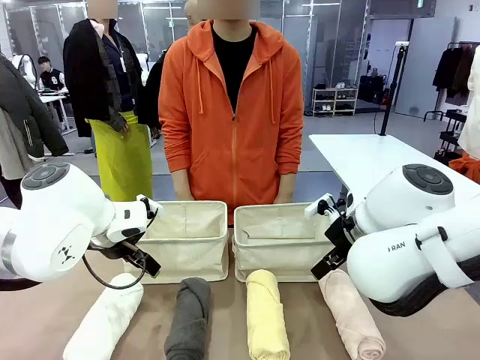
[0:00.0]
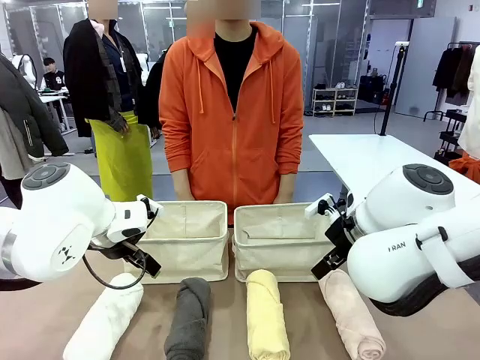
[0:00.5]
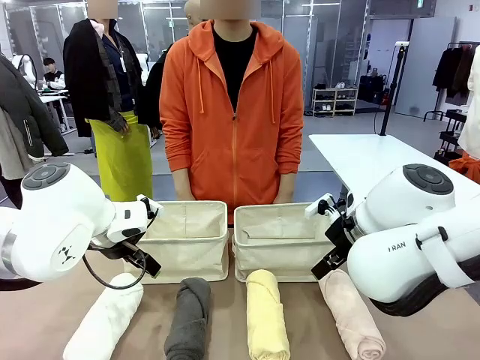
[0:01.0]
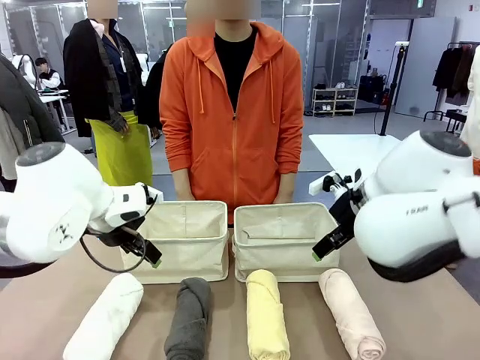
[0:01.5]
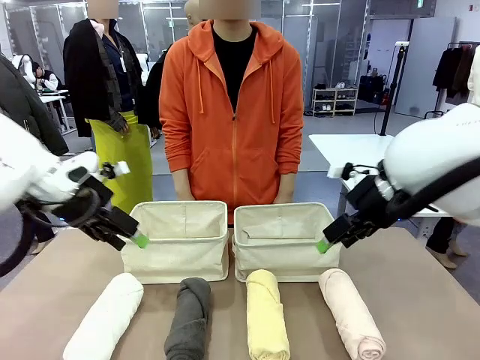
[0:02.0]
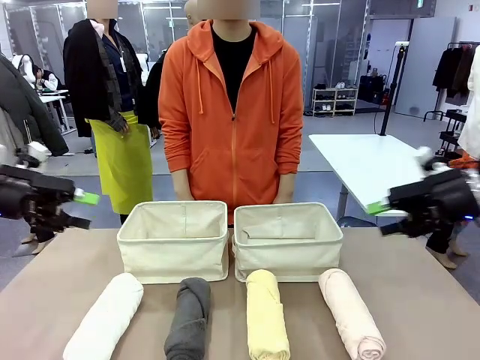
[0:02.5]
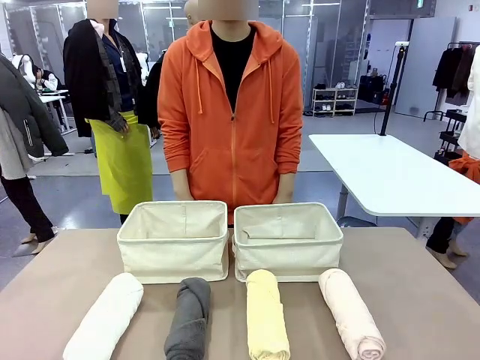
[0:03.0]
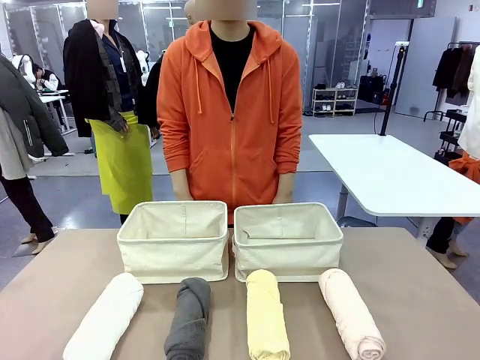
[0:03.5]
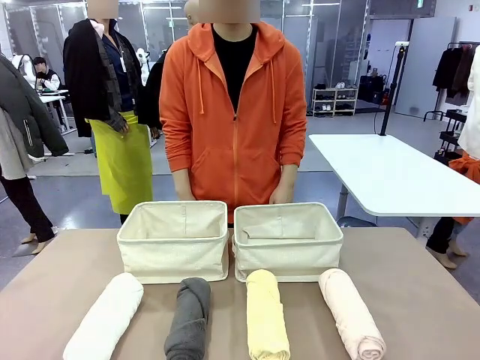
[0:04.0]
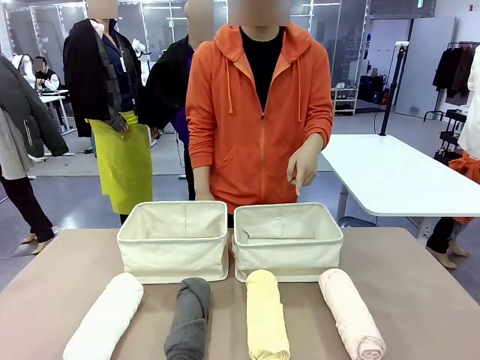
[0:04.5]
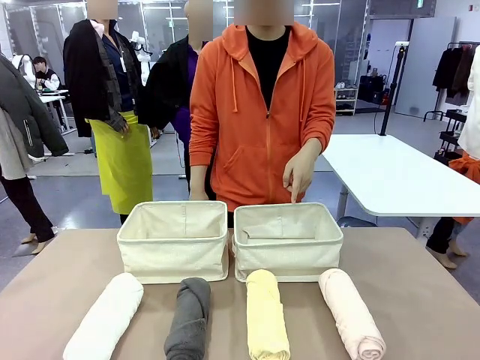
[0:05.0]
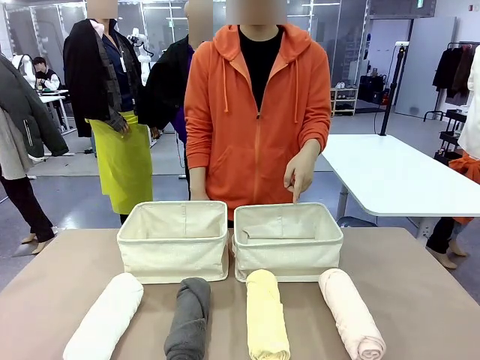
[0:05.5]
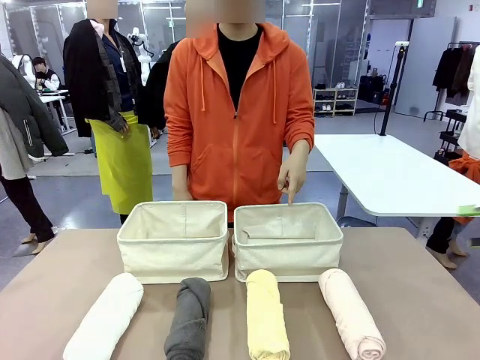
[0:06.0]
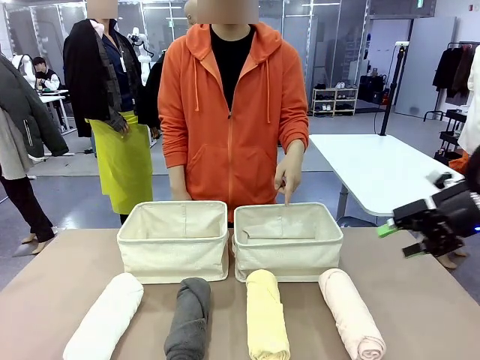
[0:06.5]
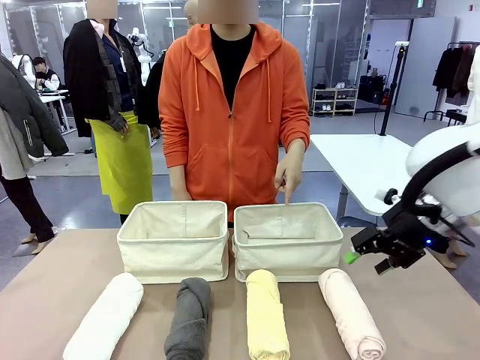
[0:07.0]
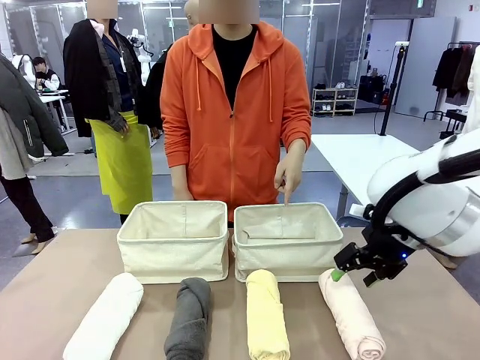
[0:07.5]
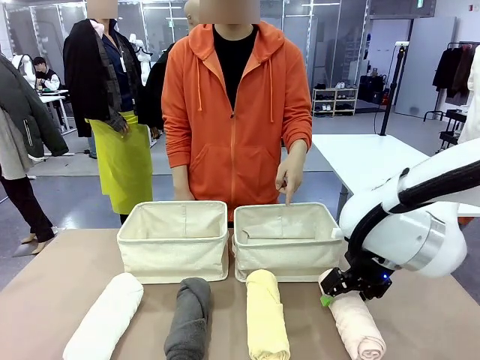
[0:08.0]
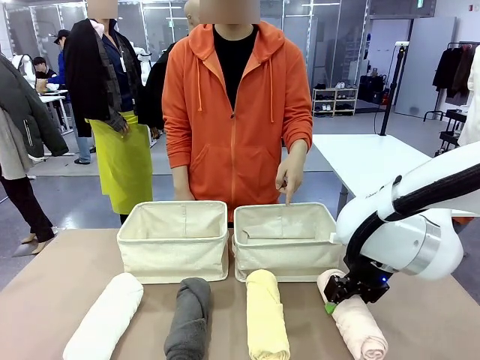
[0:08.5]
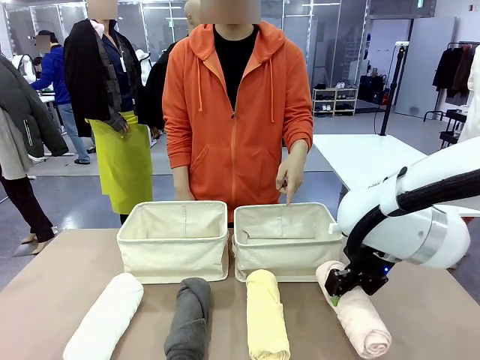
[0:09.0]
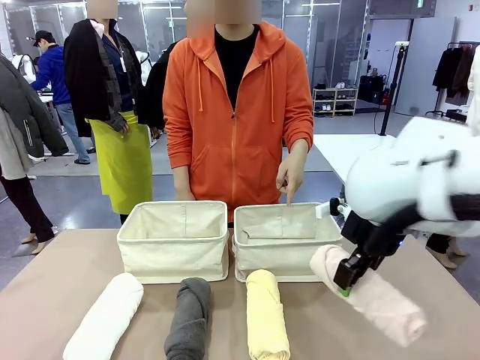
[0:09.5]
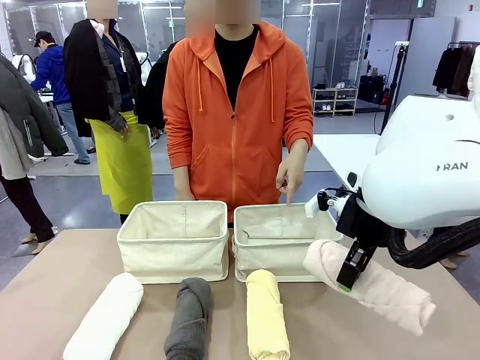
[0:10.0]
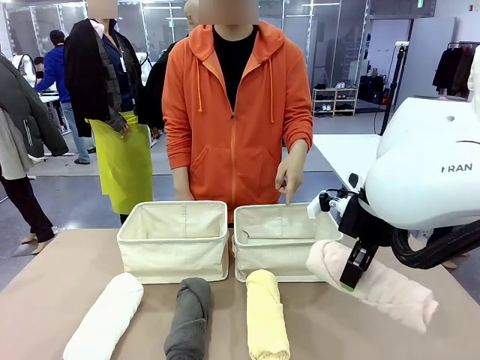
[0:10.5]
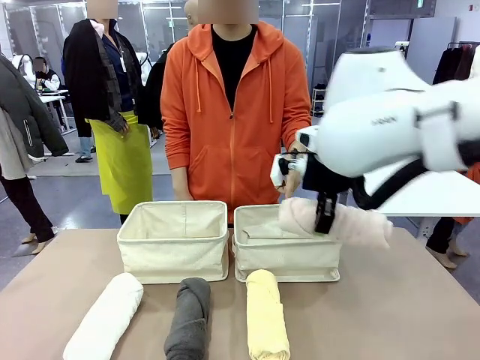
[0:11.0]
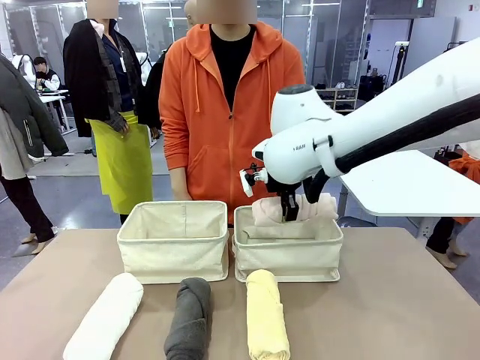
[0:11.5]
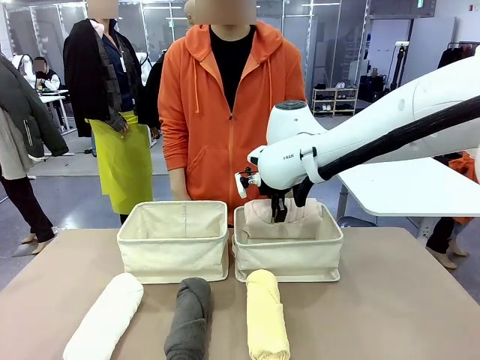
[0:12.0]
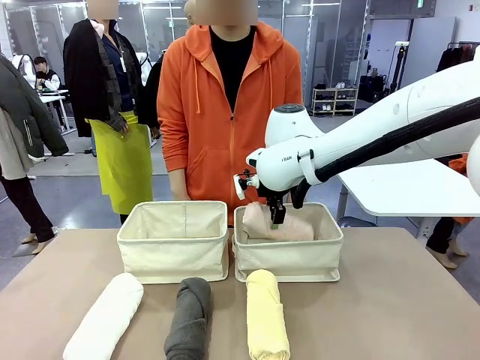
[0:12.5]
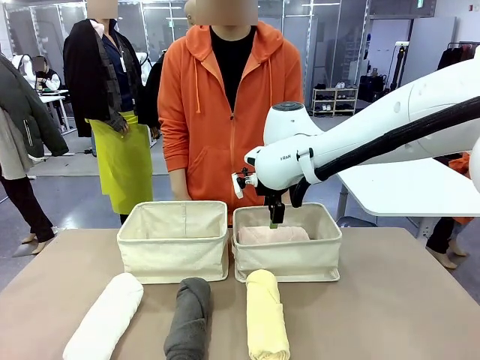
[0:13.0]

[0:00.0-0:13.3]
Task: Divide the towels into two baskets.
Robot: Pick up one hotel-folded towel and place it in the Fabric basket indicated by the person.

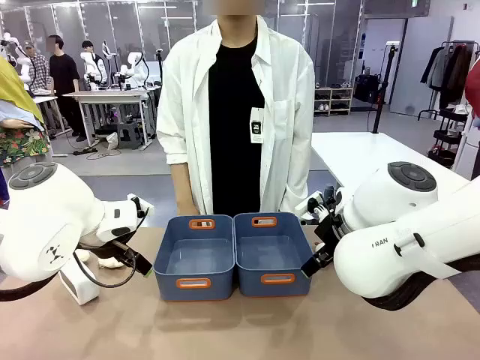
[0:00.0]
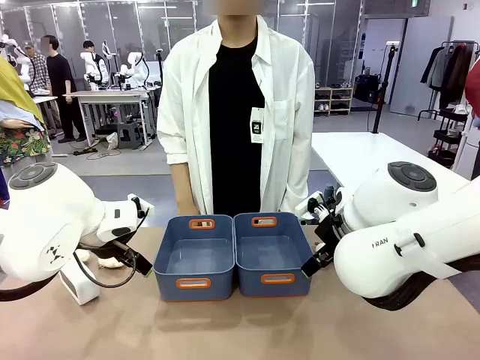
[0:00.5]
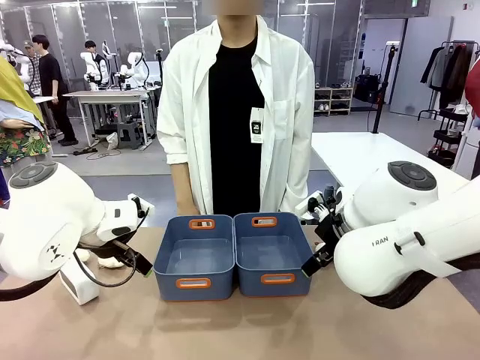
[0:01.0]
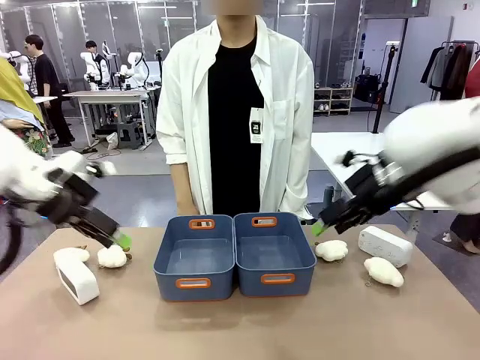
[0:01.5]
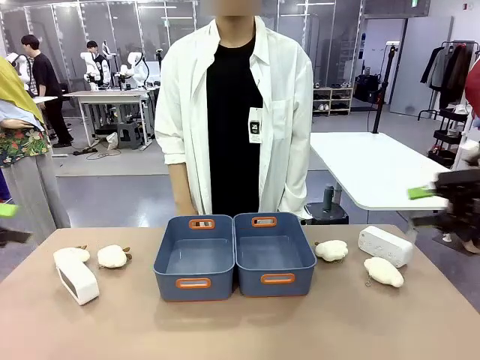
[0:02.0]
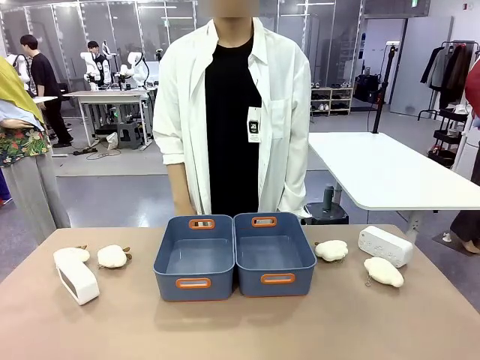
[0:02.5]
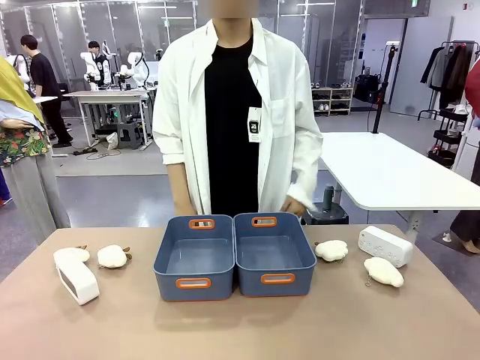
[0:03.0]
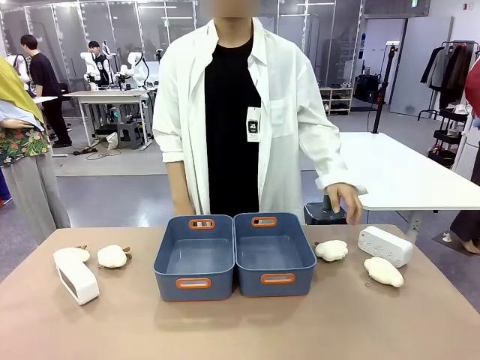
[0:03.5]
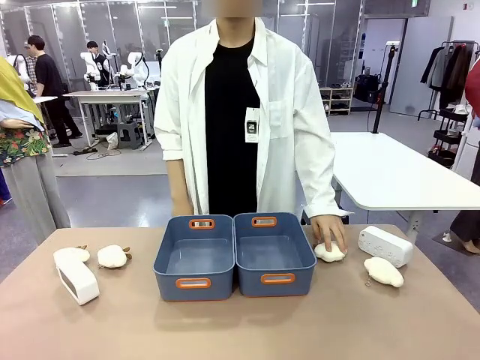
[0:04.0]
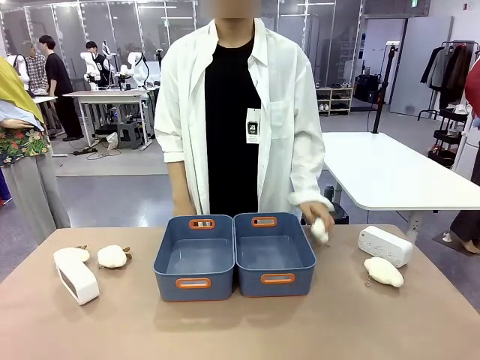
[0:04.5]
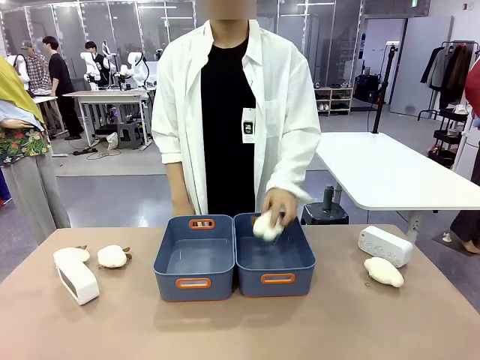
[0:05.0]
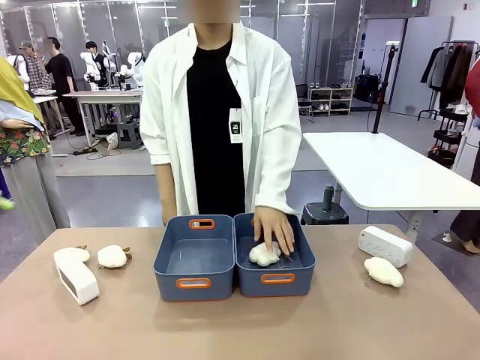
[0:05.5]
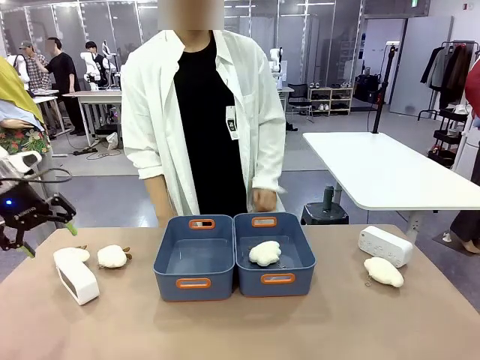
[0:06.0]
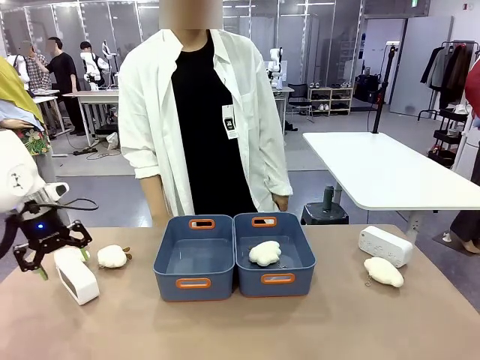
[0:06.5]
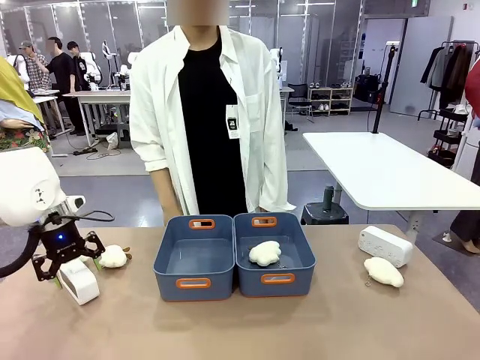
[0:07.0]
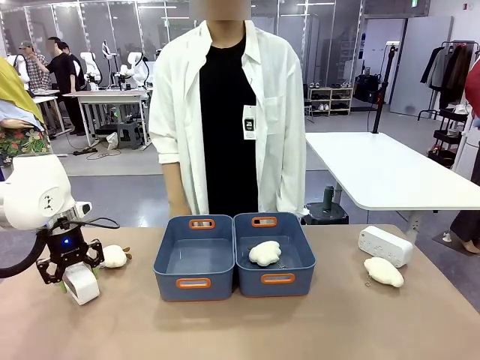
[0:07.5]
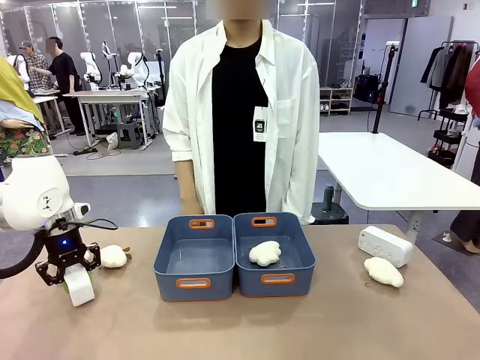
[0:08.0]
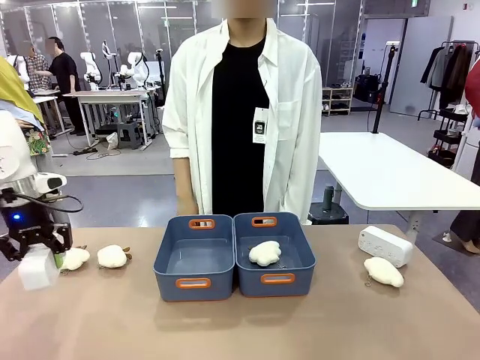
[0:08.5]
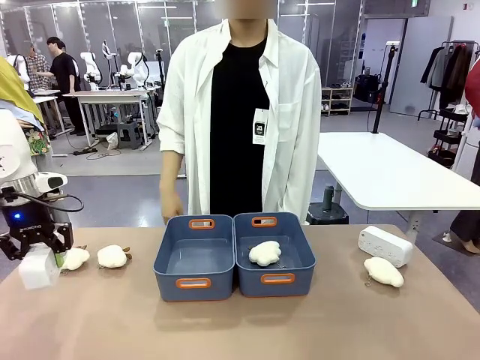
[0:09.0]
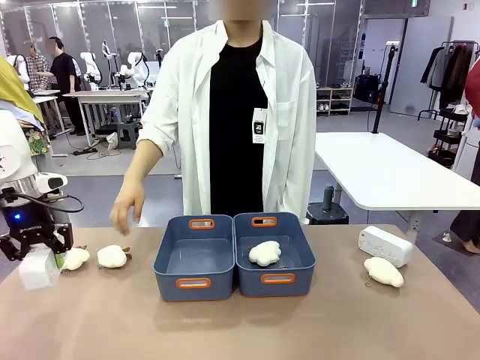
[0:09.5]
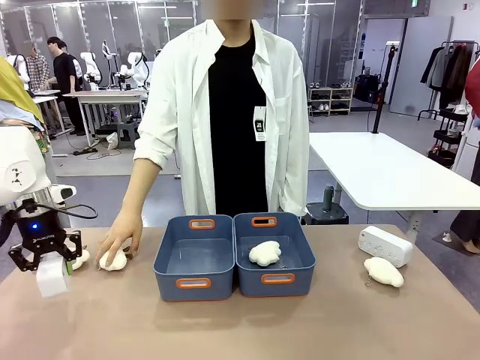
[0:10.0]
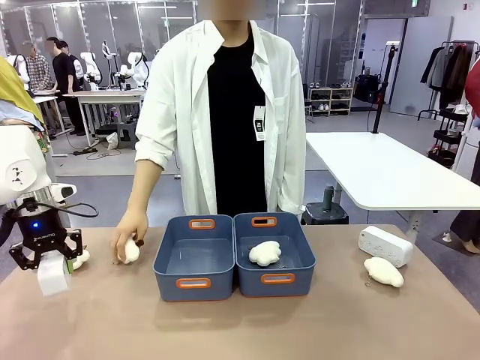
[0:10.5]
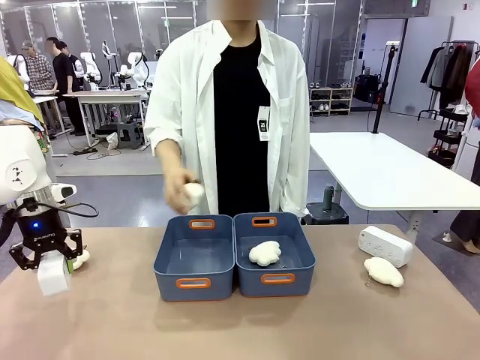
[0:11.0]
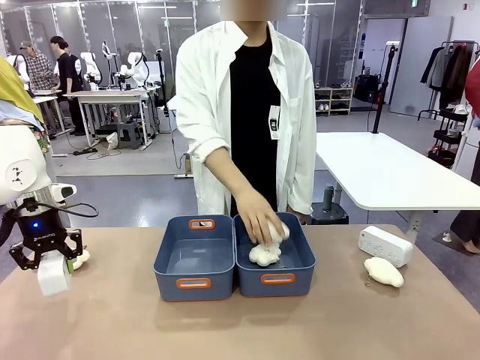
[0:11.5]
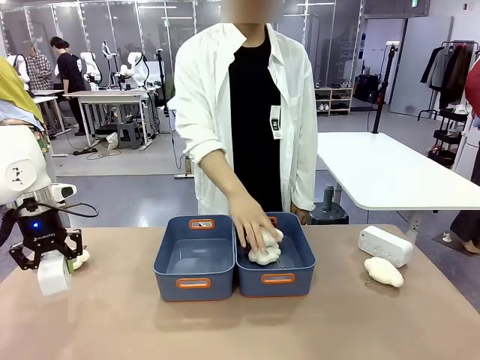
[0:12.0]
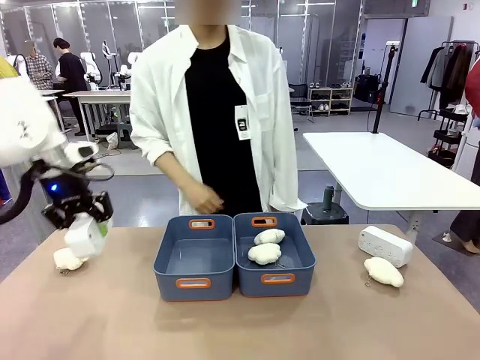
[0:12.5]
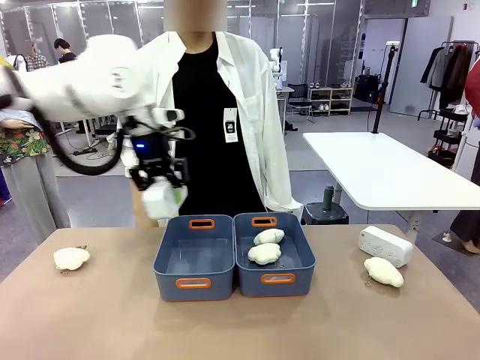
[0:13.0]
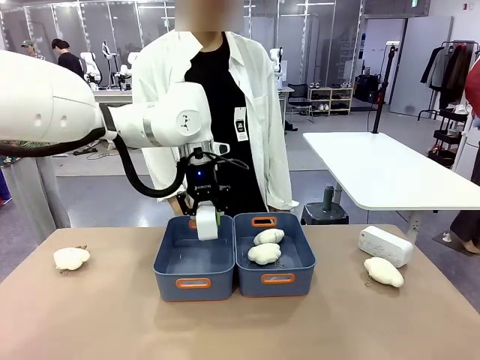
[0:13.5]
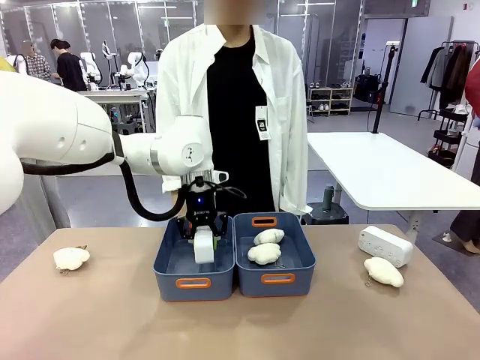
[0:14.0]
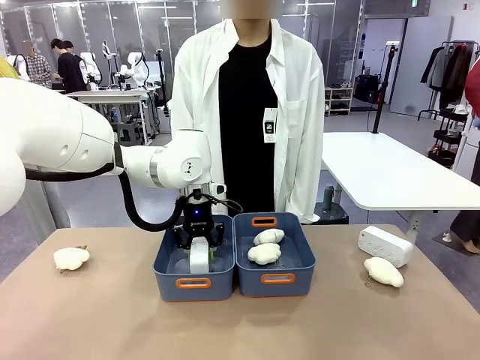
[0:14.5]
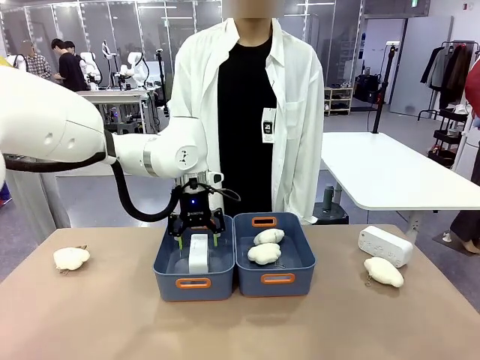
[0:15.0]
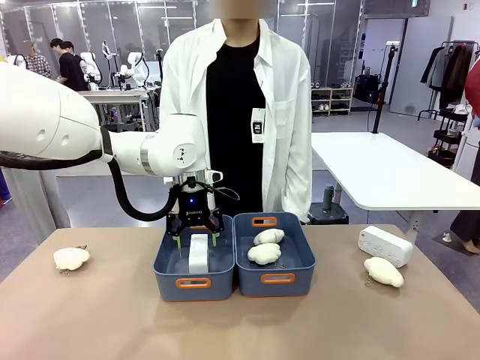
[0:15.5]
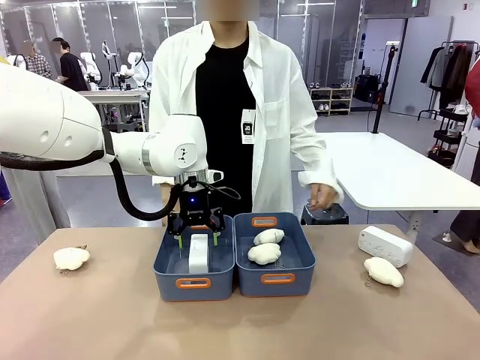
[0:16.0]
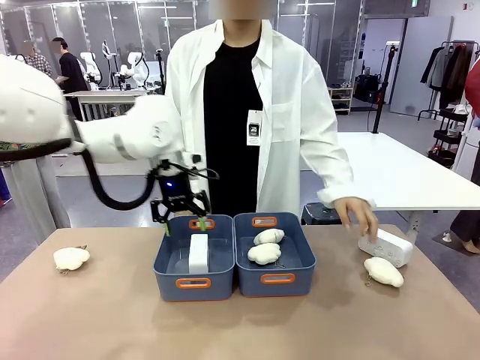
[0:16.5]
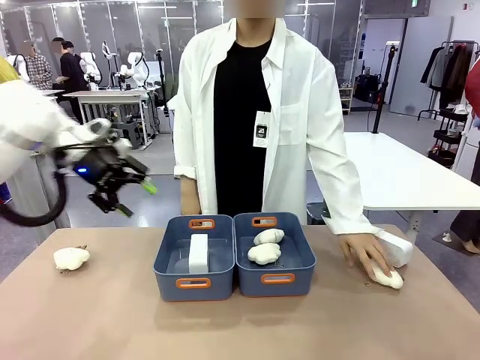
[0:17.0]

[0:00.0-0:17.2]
Task: Sort the digital clocks into the basket.
Robot: Pick up the Digital clock from the table and place it into the empty Plastic storage basket.
Person: Pick up a plush toy from the table and place it in a plastic storage basket.
